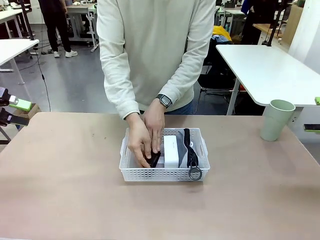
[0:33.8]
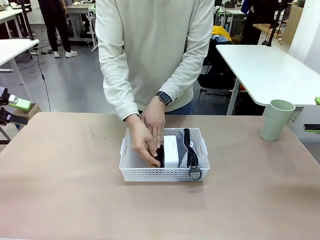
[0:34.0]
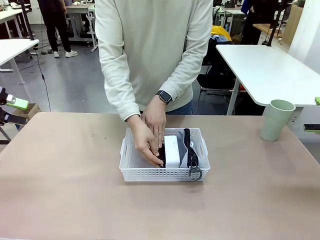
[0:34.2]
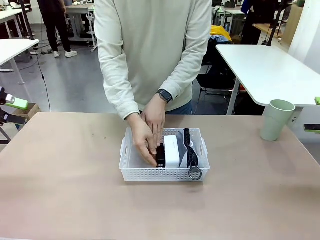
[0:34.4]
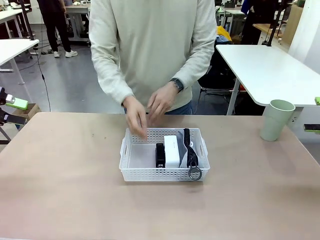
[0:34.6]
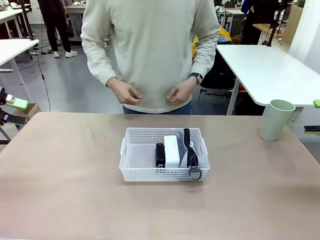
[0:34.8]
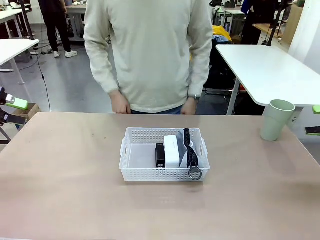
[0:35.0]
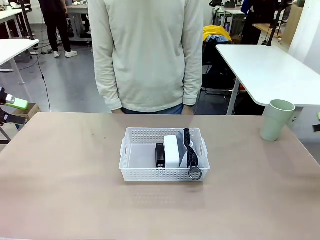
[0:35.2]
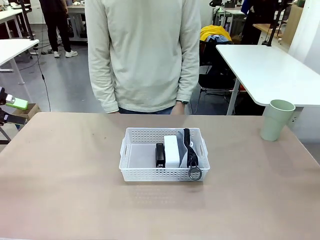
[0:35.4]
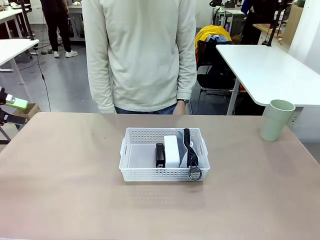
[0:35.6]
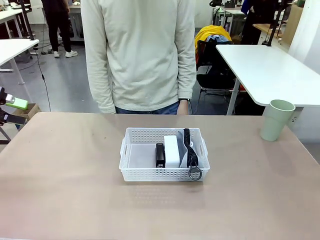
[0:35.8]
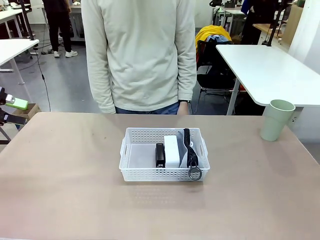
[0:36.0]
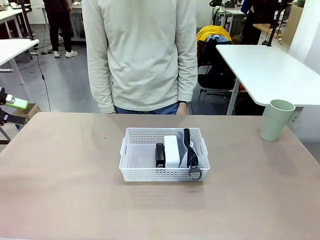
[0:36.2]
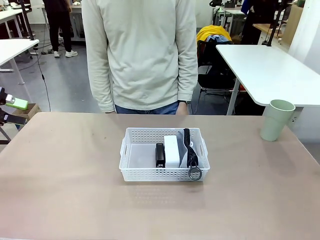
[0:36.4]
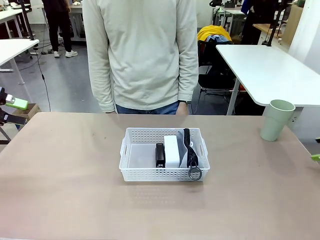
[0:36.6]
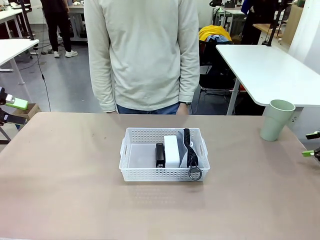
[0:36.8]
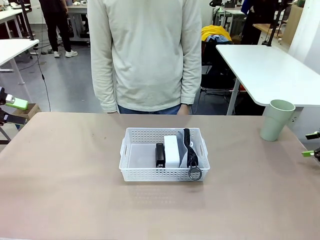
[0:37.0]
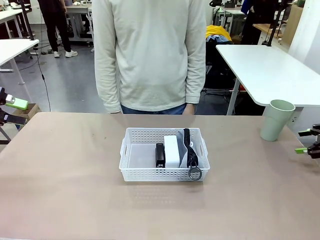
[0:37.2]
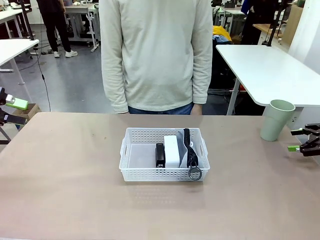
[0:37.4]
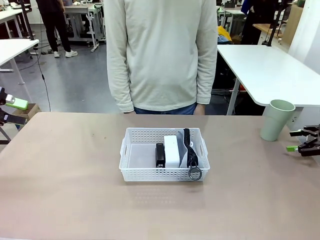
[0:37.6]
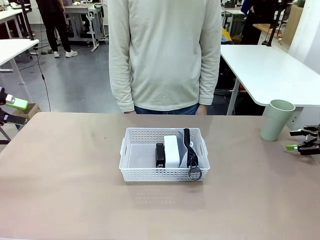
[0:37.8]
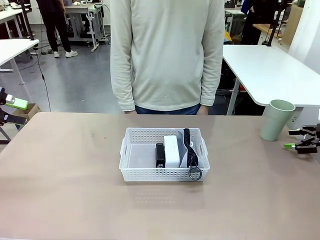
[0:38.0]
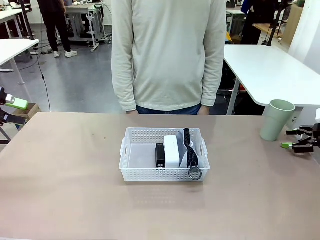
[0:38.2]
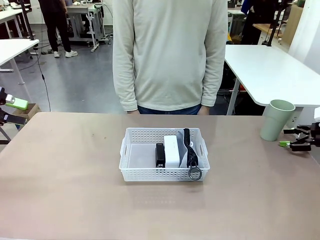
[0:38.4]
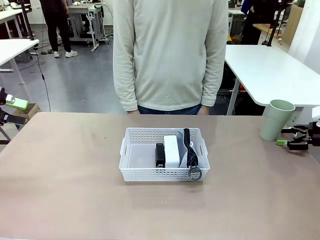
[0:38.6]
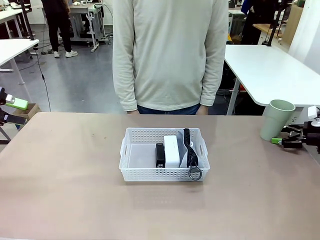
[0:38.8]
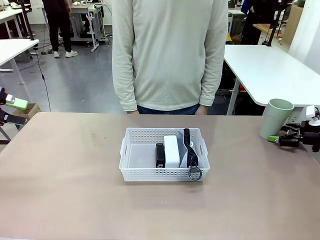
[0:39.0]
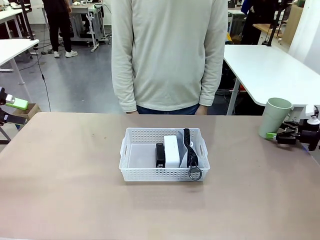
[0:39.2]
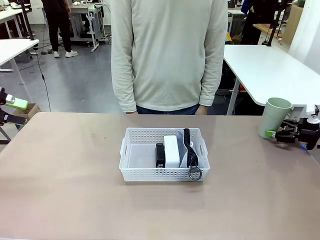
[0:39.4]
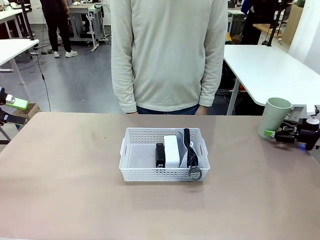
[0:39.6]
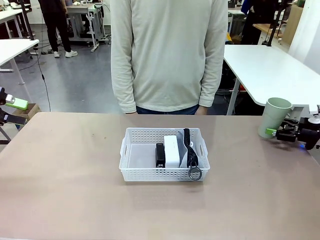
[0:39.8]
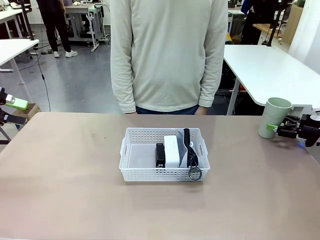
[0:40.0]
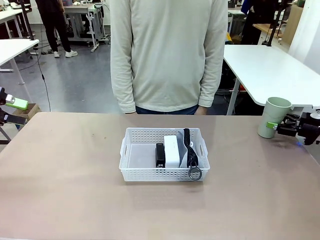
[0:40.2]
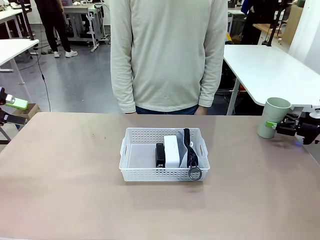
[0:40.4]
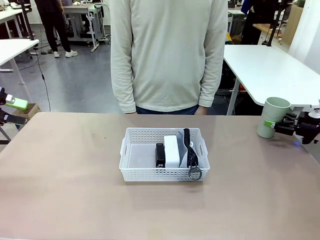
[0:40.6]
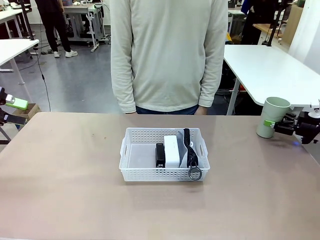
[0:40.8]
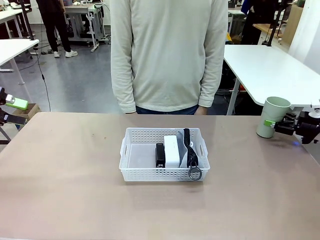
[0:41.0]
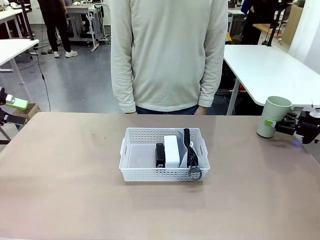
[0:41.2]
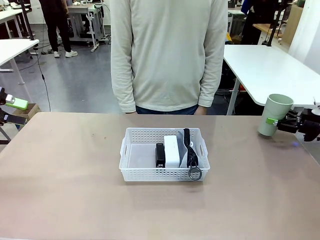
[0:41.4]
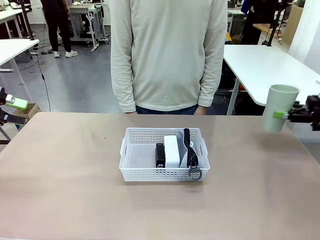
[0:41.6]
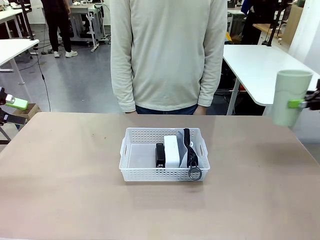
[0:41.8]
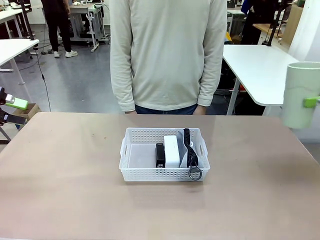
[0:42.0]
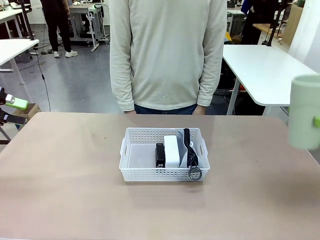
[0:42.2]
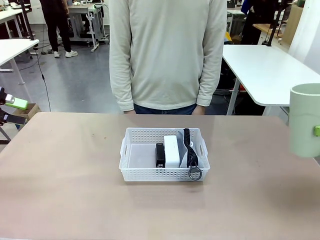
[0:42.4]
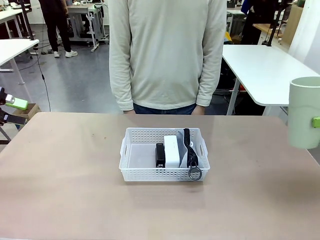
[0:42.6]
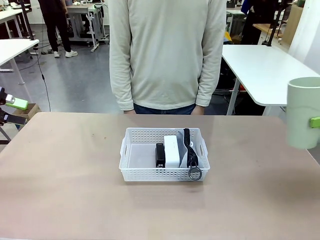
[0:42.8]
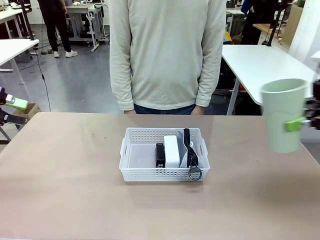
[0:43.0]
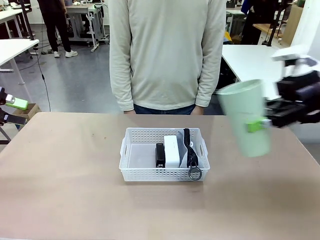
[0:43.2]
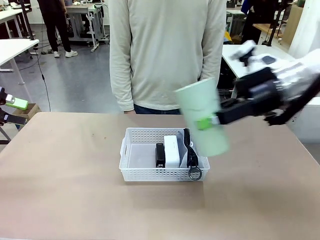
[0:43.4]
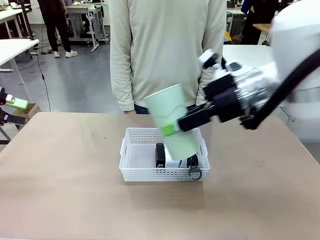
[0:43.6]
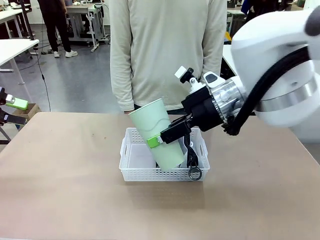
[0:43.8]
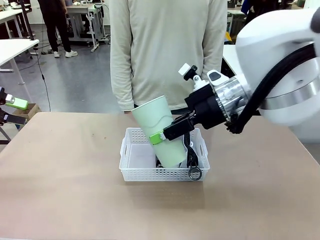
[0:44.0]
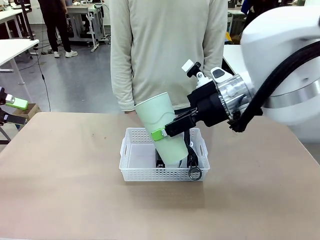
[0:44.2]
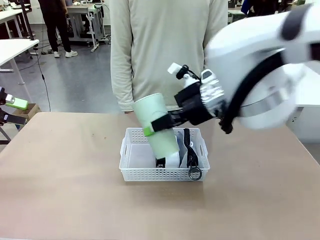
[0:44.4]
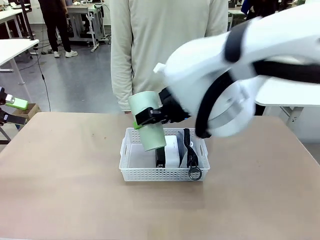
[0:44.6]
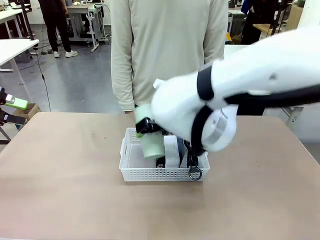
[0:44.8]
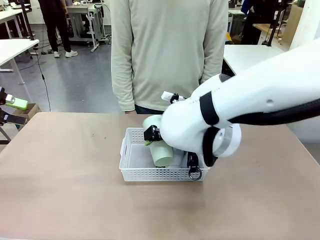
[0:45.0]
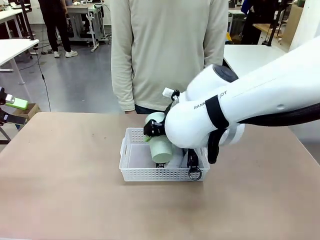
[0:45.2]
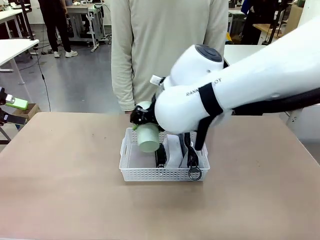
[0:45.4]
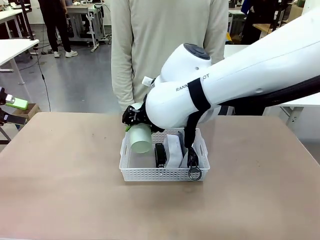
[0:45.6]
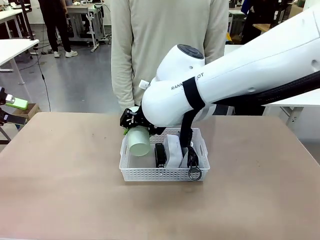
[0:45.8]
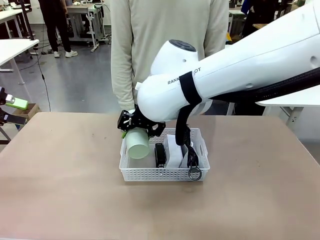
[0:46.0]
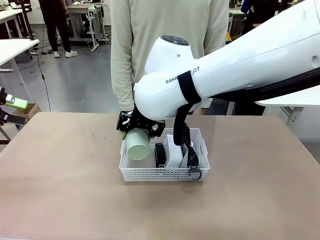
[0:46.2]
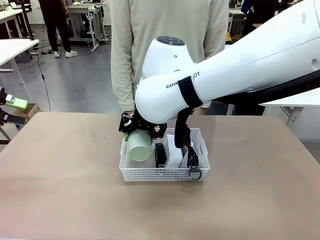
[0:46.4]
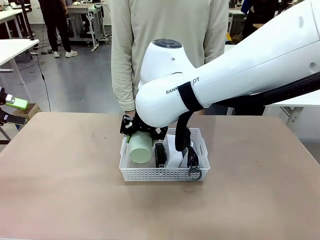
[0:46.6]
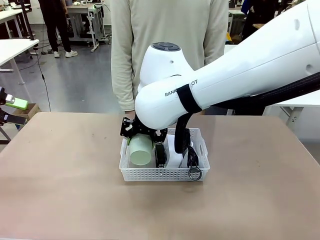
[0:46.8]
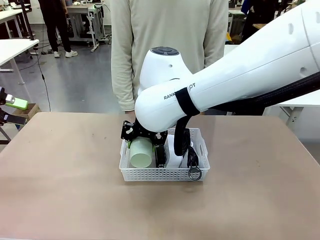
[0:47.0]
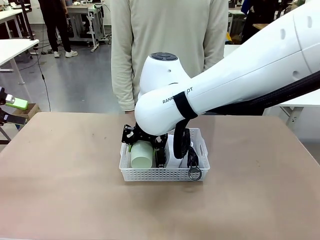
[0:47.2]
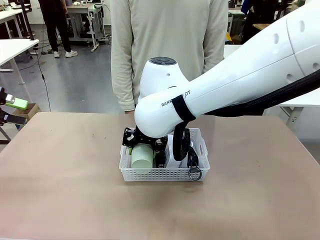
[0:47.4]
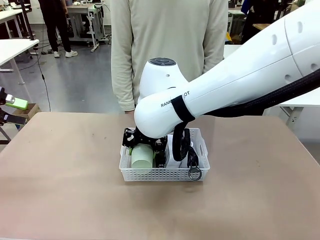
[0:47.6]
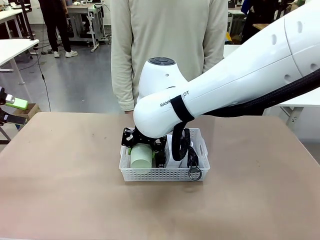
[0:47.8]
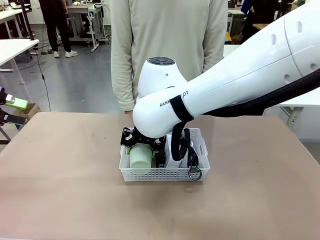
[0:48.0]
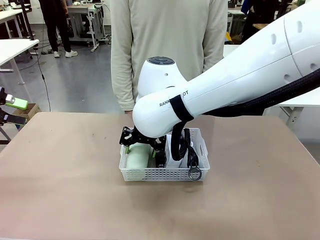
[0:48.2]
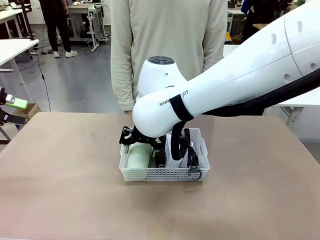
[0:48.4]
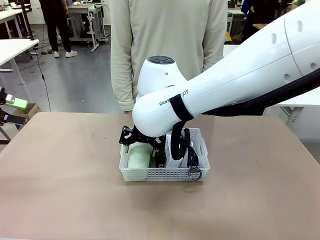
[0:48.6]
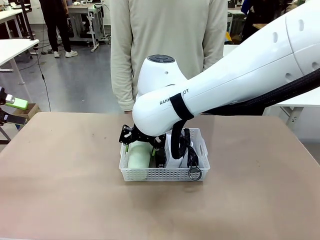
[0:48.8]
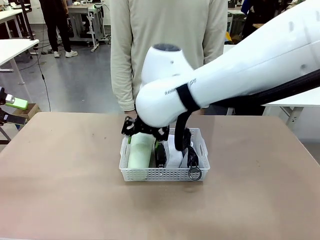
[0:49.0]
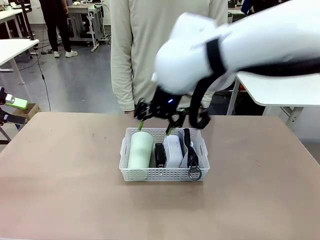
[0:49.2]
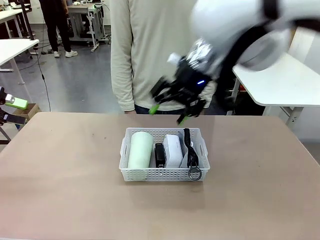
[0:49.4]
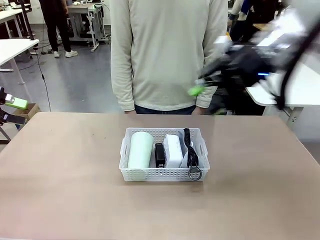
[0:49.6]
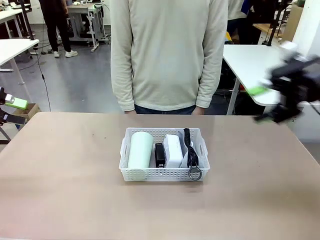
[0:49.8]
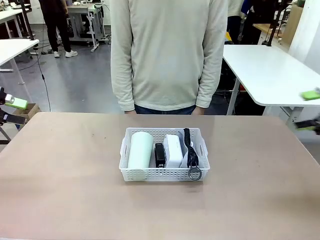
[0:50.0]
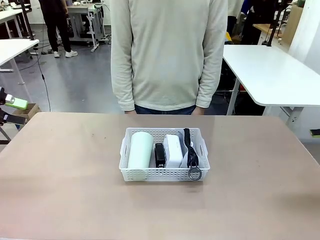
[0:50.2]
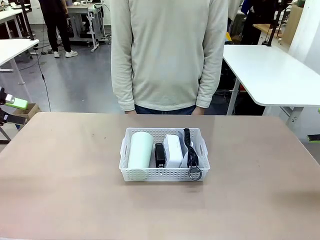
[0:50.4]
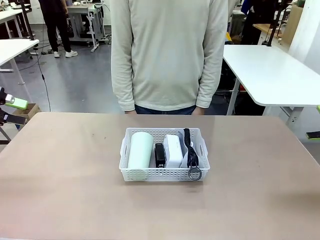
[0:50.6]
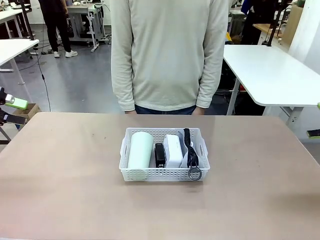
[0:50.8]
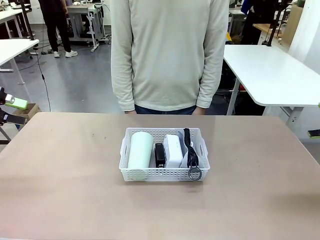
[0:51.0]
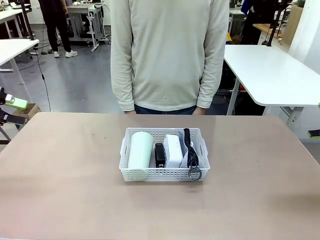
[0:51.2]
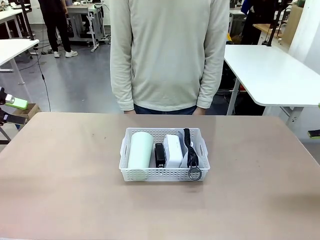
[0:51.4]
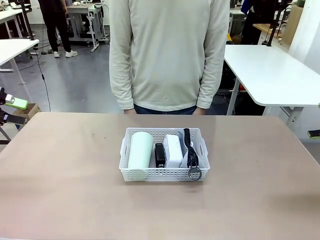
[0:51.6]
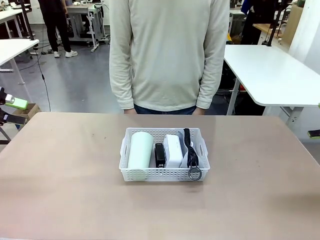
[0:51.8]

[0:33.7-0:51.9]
Task: Efficiently arrange items inside the basket to fit them all.
Robot: Pick up the Reusable plastic cup and place it inside the Organizing basket.
Person: Repositions the stapler.
